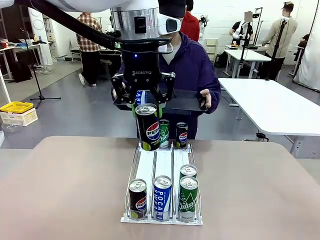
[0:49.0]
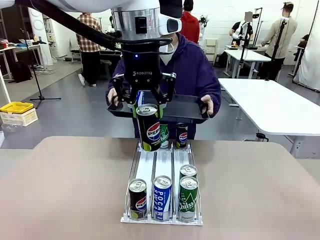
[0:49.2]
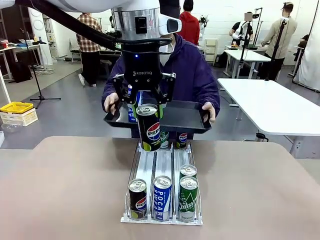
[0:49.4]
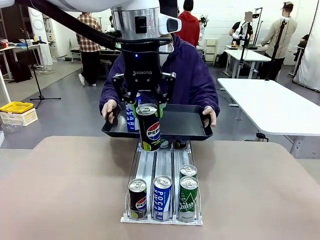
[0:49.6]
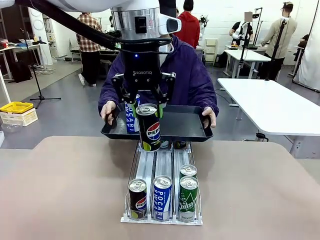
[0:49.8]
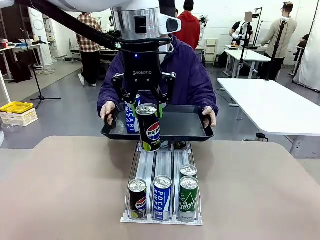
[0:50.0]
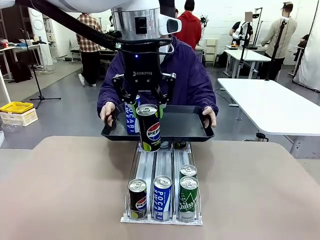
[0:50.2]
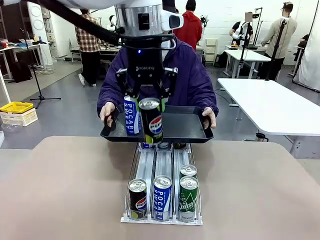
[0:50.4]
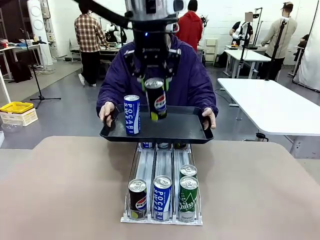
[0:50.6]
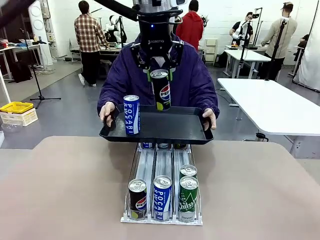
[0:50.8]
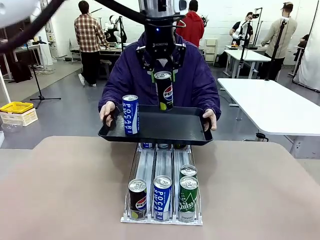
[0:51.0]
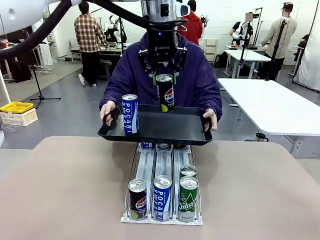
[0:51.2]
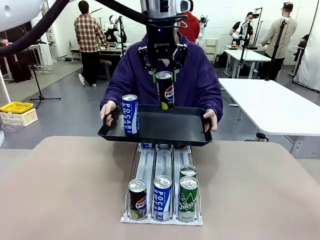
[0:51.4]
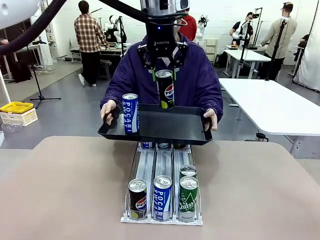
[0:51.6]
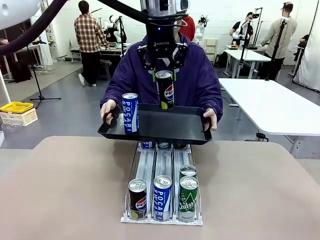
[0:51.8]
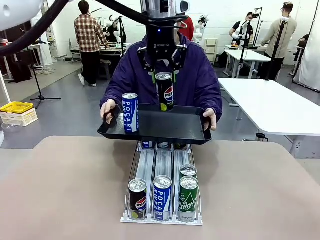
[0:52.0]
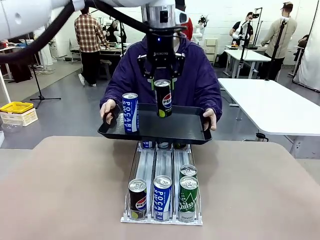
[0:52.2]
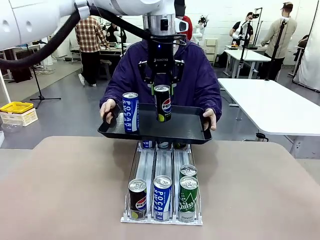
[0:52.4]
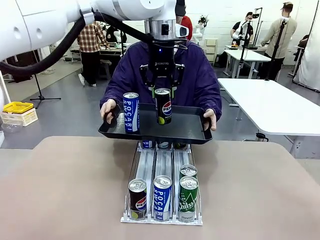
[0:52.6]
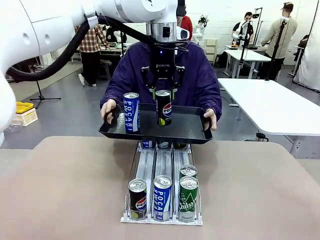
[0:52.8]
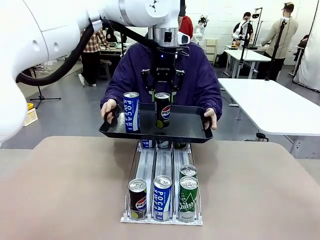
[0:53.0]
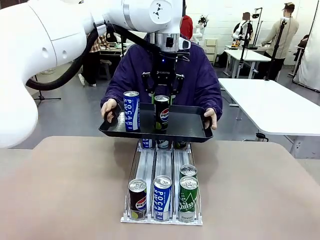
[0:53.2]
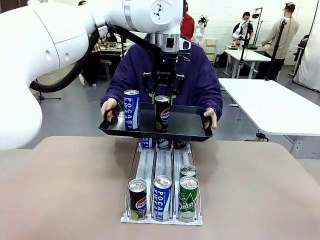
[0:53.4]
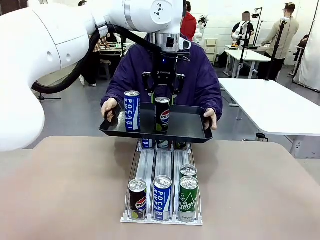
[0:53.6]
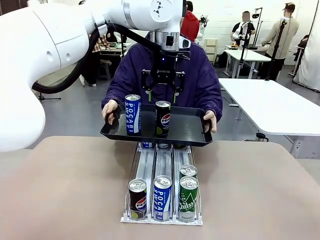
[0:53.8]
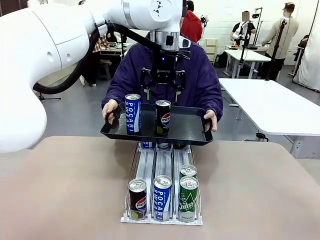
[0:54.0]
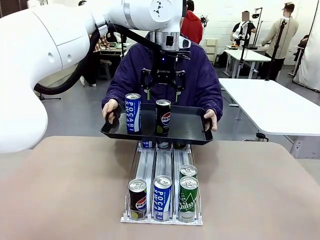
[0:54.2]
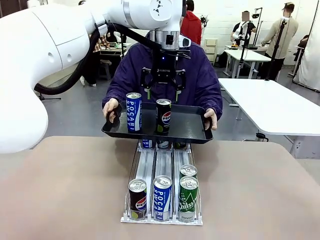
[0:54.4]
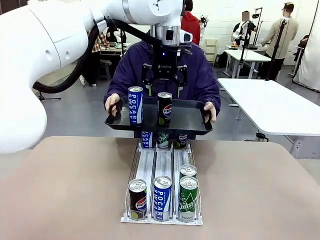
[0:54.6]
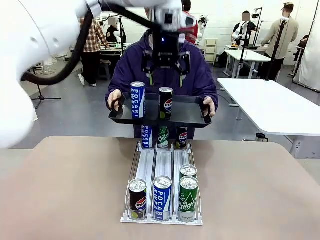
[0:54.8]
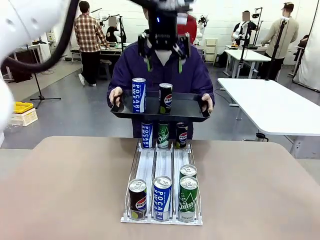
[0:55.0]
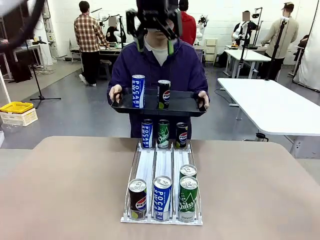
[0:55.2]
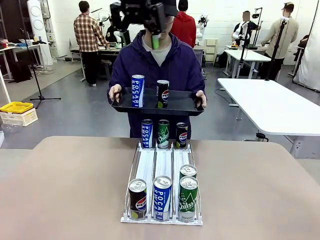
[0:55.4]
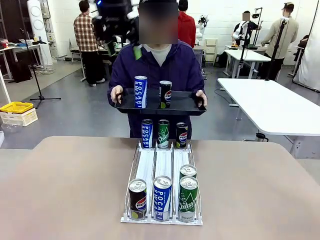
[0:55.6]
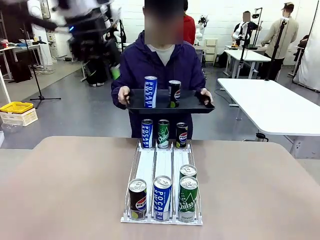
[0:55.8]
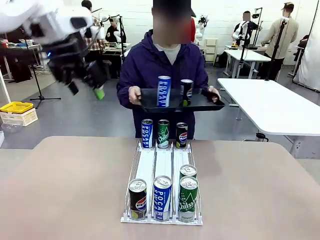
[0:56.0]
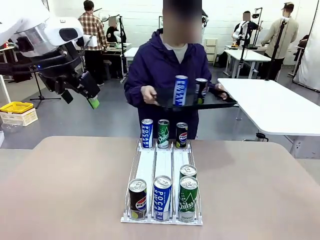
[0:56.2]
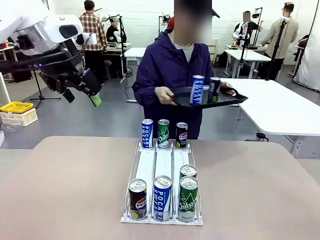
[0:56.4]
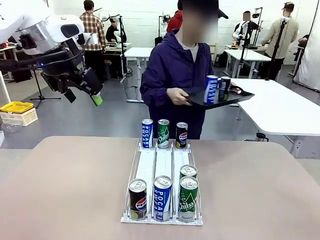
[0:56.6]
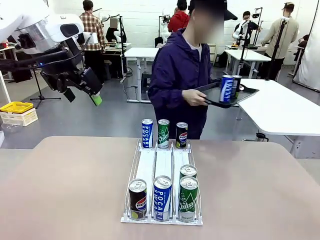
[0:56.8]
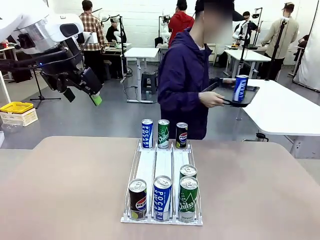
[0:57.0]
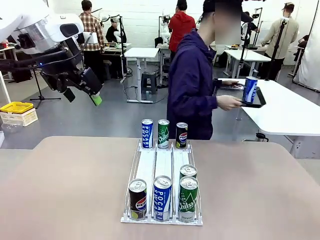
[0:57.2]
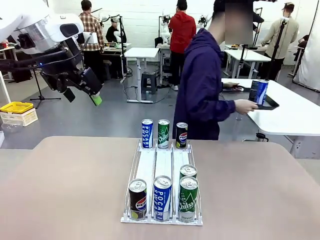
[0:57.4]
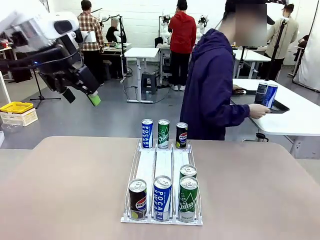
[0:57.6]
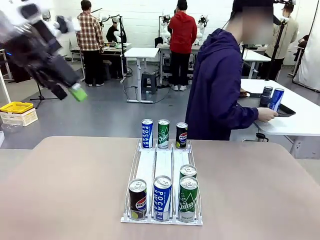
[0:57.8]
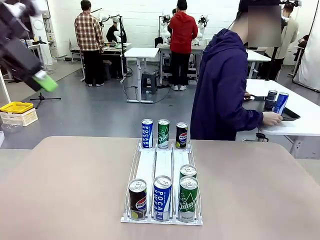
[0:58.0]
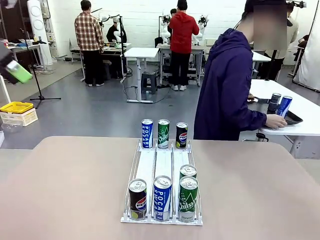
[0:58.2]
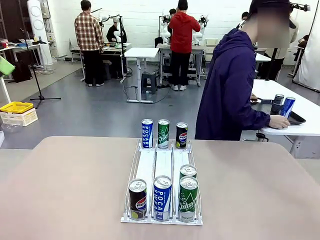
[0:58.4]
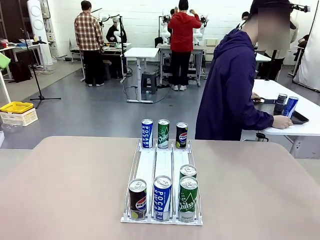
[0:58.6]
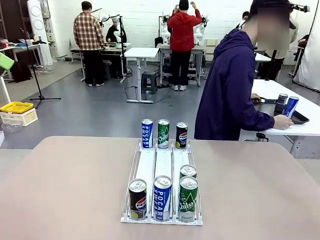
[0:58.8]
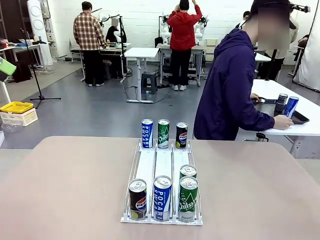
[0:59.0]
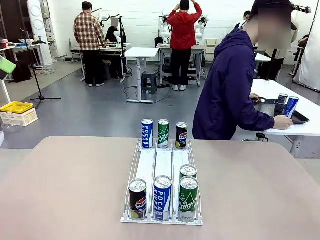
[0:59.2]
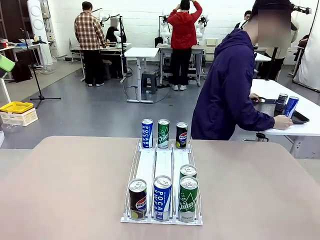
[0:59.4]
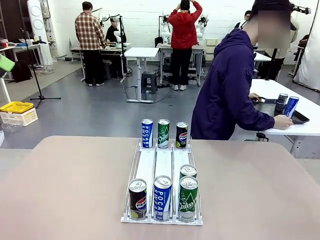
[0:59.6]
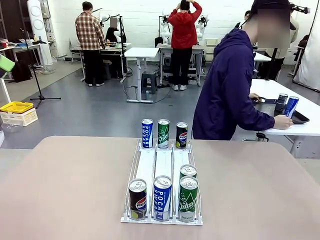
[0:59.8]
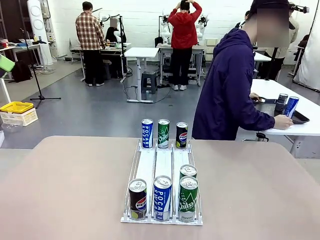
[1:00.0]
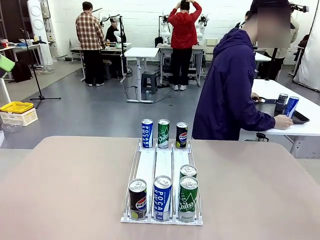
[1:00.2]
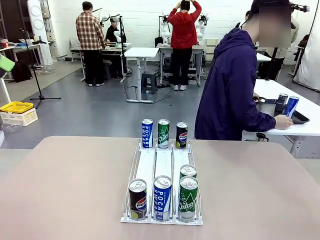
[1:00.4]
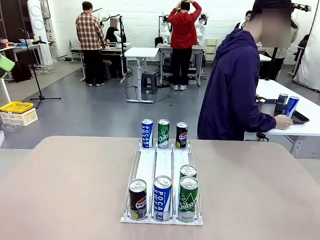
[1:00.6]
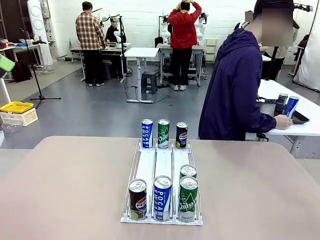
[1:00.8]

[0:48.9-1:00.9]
Task: Retrieve and hand over the desired beverage to the person.
Robot: Place the picked can on the Handle tray extended by the person.
Person: Pull the tray back and place it at the center of the human table.

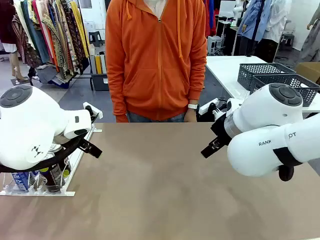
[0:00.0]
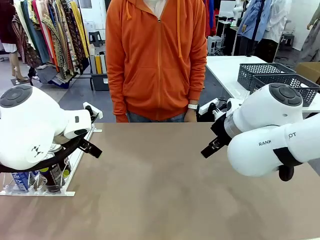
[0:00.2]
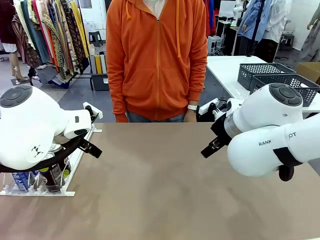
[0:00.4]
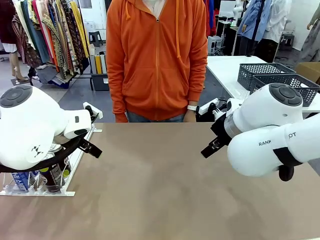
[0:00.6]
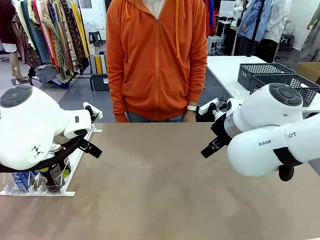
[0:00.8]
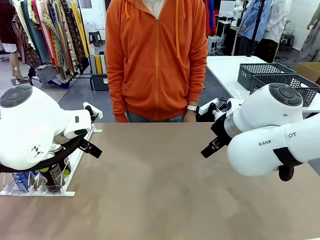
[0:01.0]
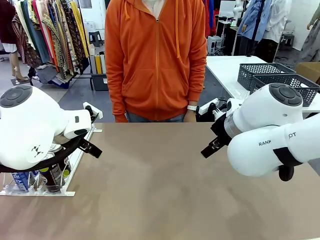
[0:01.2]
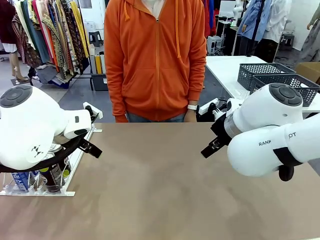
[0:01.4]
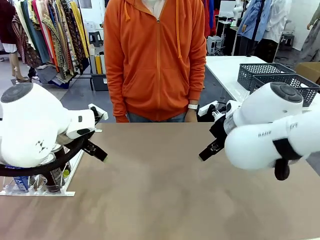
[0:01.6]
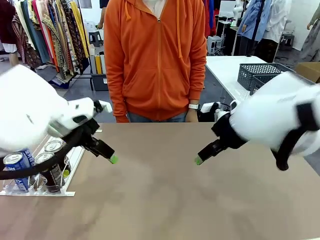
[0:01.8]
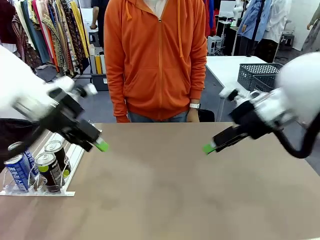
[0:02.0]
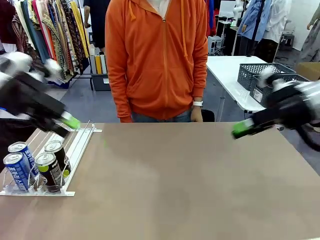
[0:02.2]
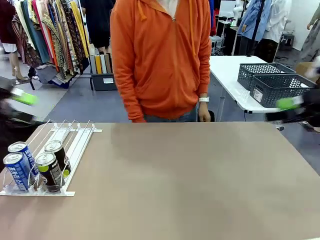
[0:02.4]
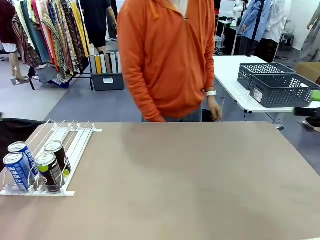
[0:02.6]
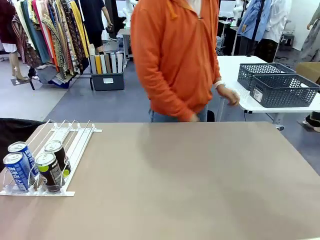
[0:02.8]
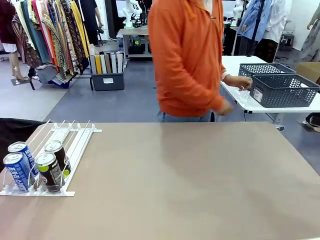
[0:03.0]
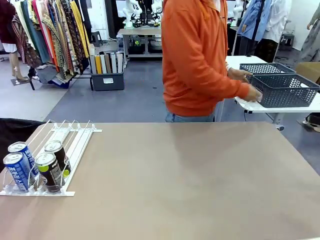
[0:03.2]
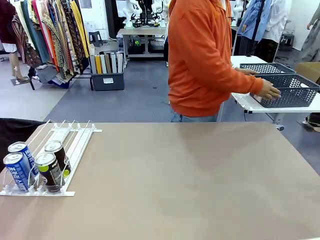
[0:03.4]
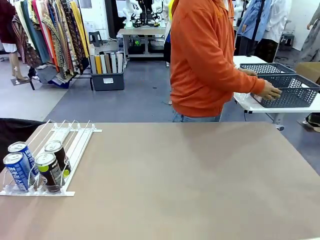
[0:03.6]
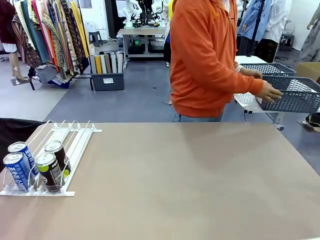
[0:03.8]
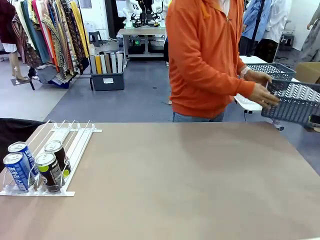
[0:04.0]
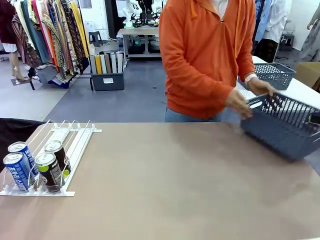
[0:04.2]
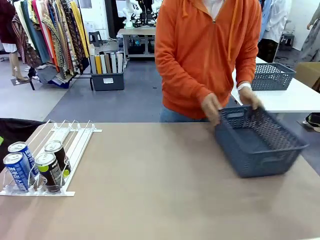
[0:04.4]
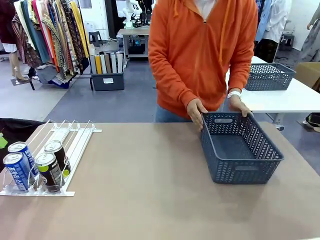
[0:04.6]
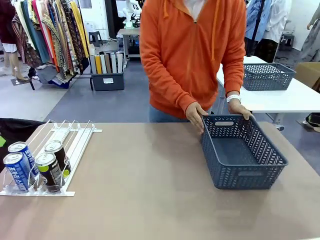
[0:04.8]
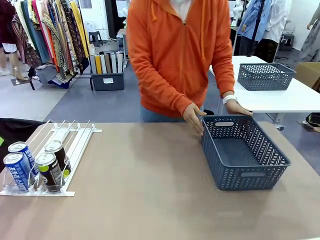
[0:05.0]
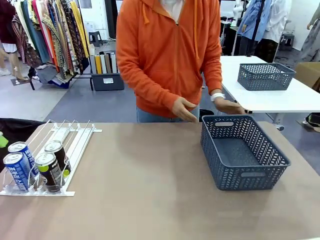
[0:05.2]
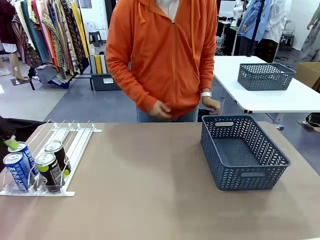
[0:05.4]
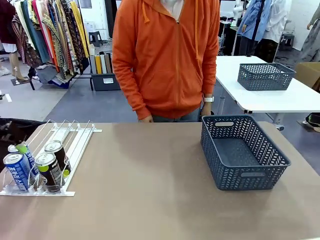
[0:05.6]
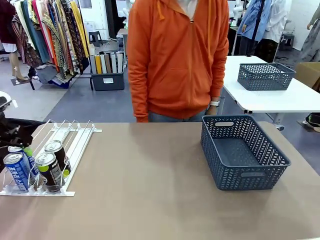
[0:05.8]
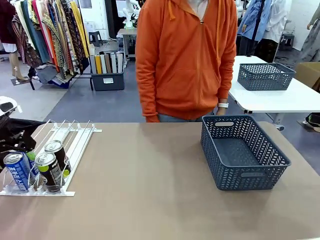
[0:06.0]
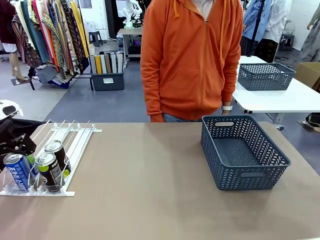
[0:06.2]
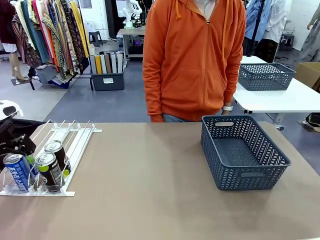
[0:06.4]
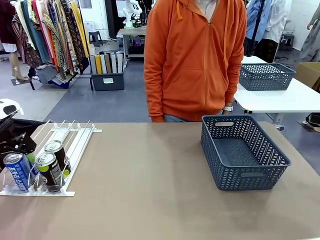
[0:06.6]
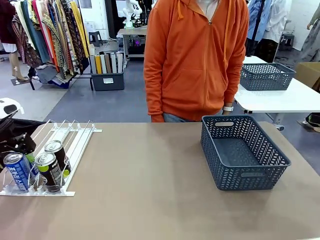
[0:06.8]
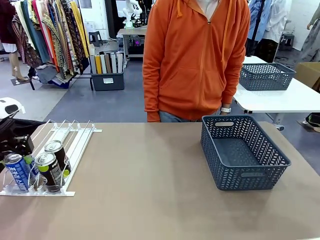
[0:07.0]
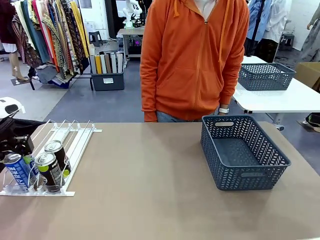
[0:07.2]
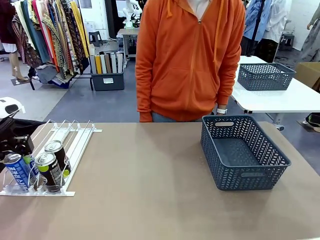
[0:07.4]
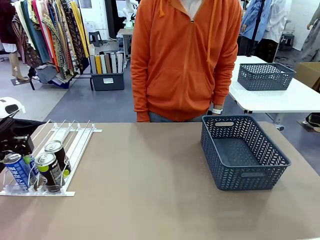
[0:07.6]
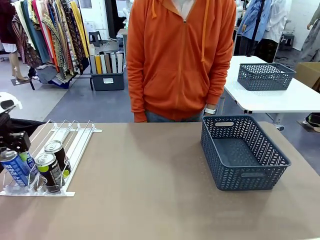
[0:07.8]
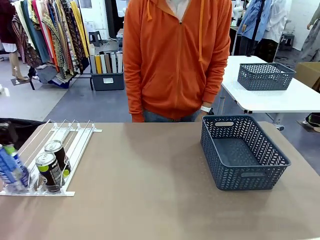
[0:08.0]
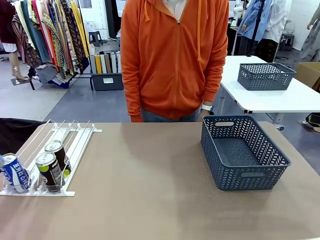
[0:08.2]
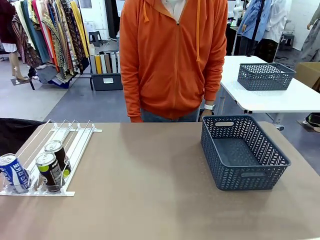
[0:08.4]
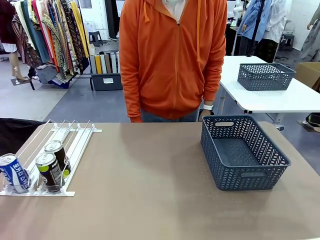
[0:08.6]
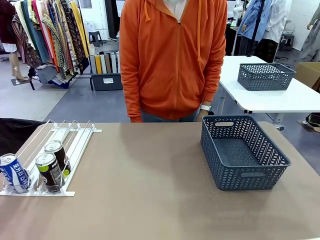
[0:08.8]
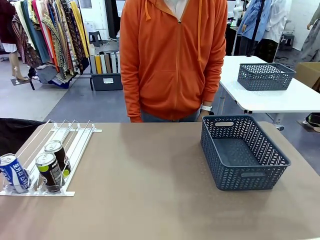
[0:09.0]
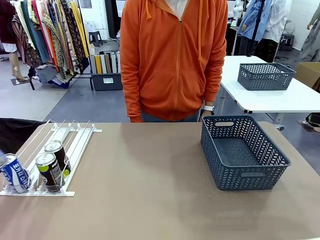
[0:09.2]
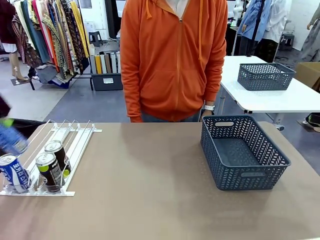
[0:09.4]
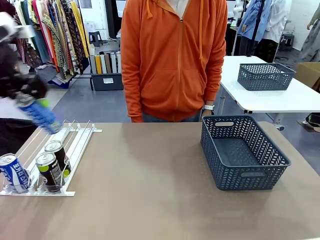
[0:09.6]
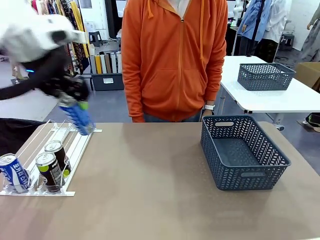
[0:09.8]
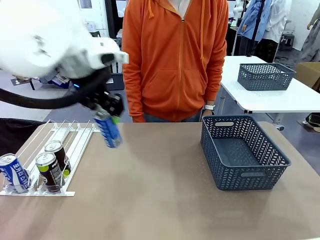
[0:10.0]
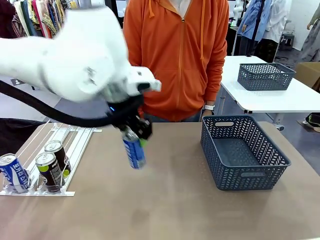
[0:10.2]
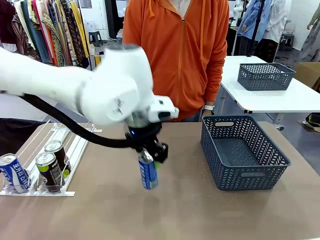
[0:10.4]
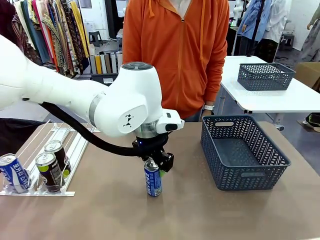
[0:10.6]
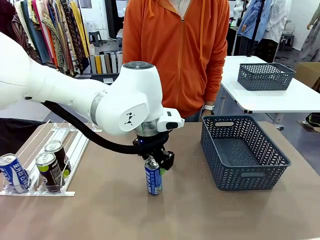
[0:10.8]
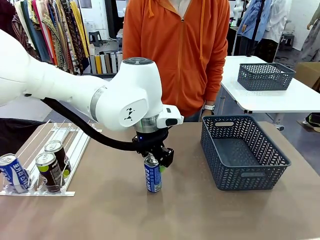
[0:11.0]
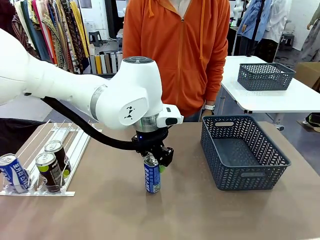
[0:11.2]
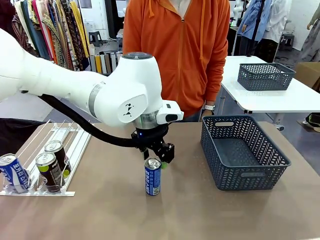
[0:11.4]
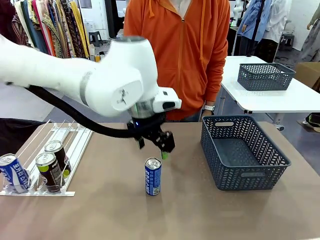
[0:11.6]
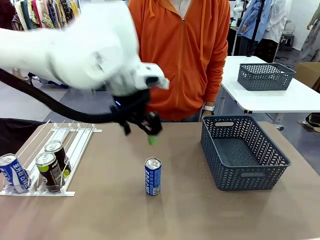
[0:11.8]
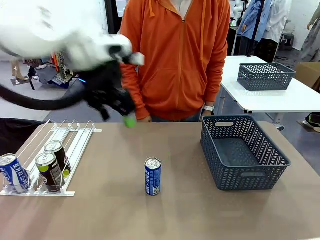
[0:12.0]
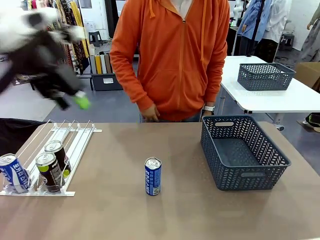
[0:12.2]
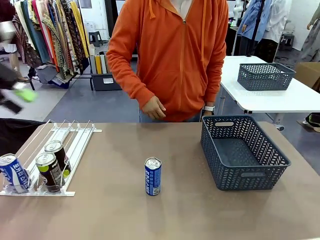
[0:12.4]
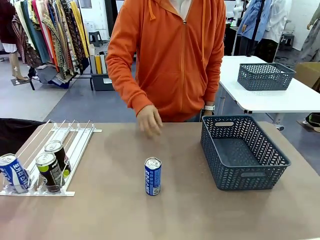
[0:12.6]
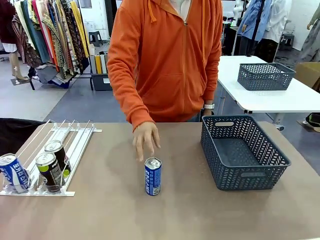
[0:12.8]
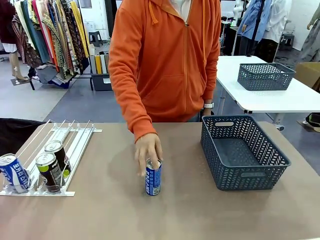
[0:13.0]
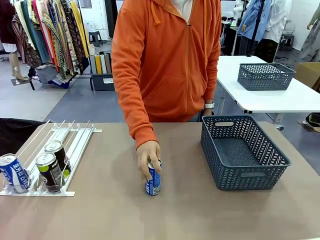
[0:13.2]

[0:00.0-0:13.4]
Task: Retrieve and store the cans from the dispenser.
Robot: Pick up one can from the Automatic Can Dispenser and place it in the middle of the table.
Person: Pick up the basket and place it on the left side of the robot table.
